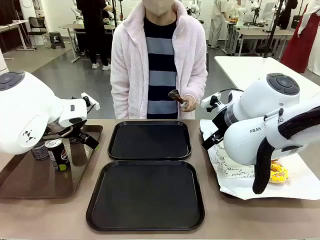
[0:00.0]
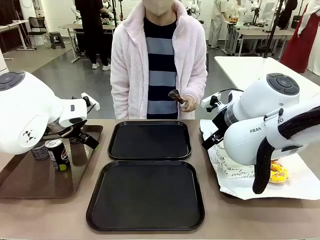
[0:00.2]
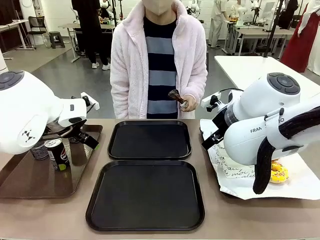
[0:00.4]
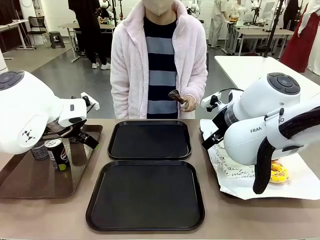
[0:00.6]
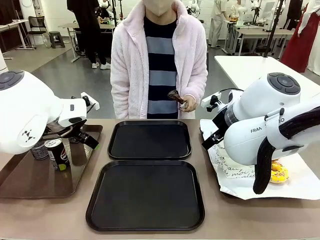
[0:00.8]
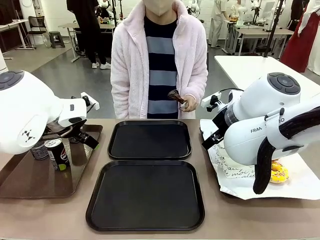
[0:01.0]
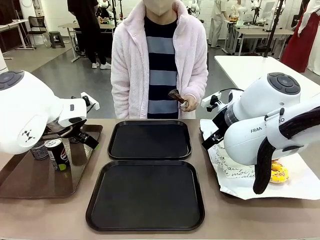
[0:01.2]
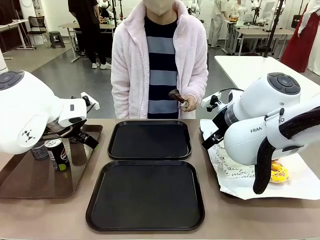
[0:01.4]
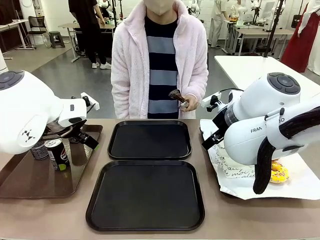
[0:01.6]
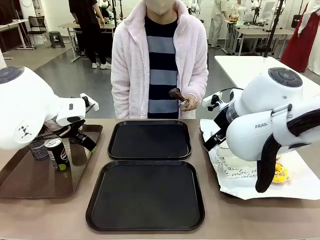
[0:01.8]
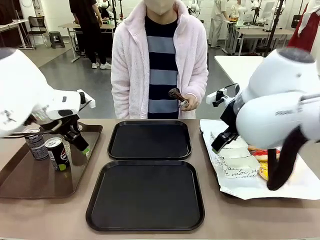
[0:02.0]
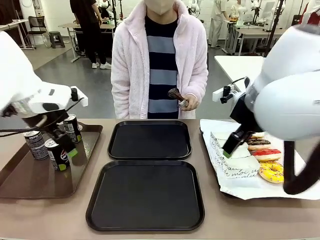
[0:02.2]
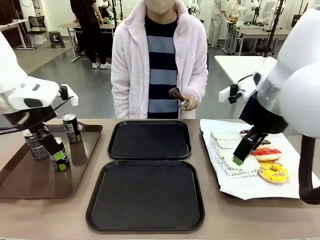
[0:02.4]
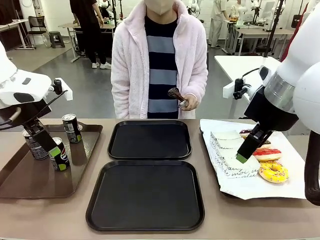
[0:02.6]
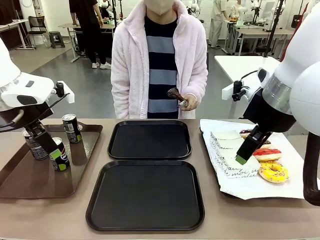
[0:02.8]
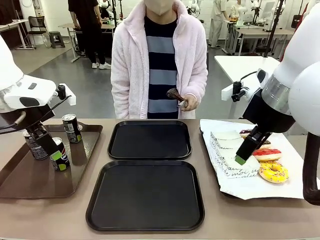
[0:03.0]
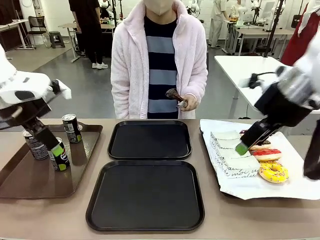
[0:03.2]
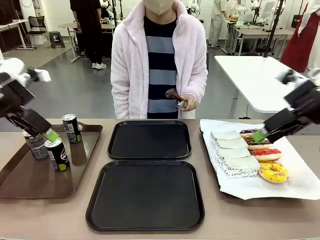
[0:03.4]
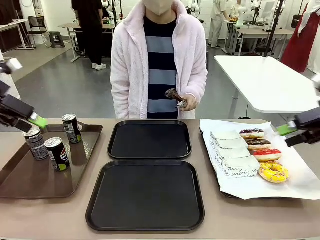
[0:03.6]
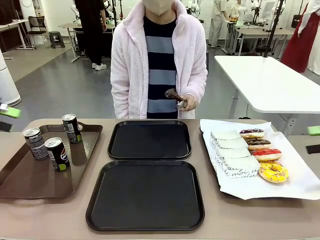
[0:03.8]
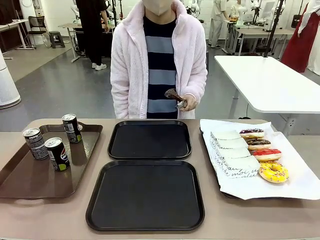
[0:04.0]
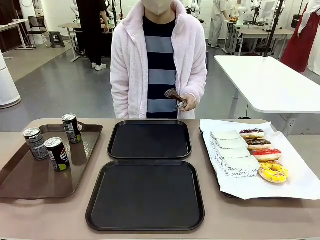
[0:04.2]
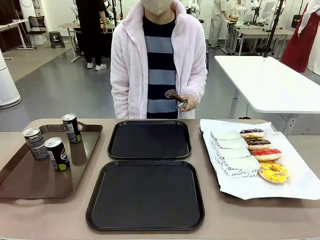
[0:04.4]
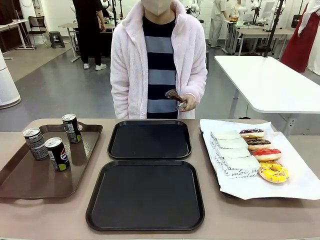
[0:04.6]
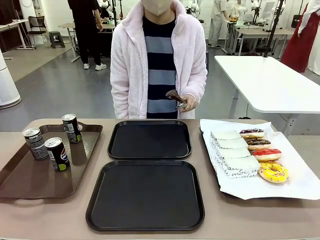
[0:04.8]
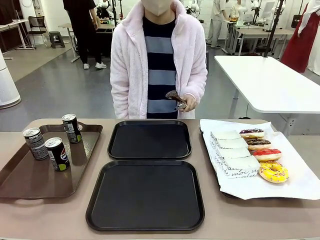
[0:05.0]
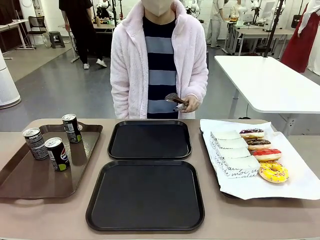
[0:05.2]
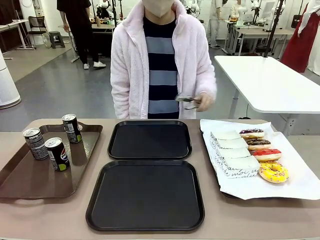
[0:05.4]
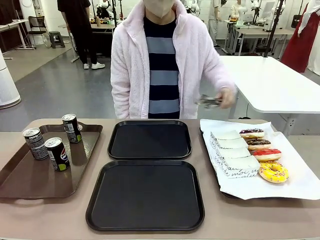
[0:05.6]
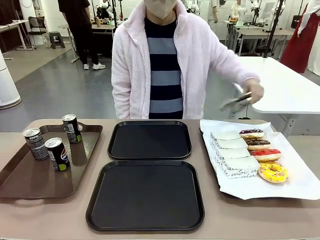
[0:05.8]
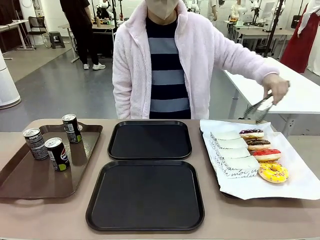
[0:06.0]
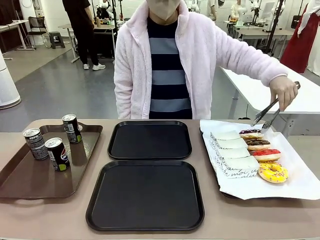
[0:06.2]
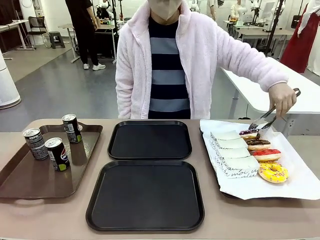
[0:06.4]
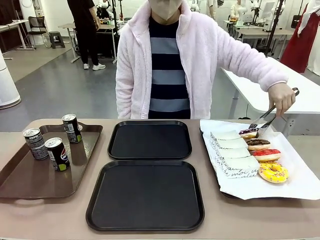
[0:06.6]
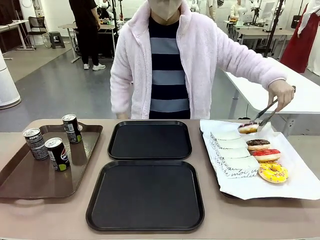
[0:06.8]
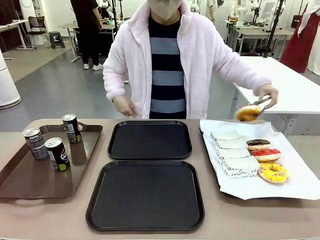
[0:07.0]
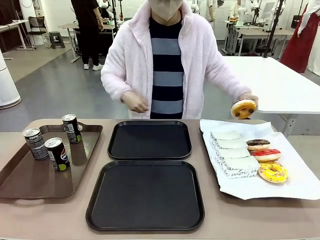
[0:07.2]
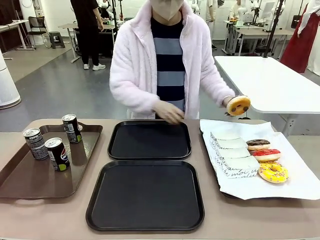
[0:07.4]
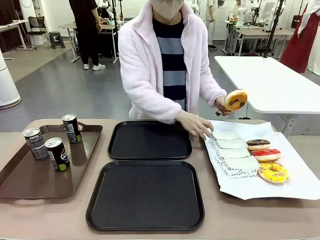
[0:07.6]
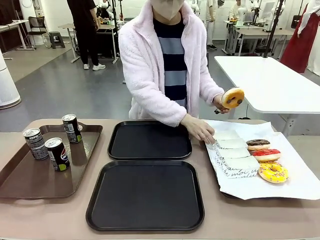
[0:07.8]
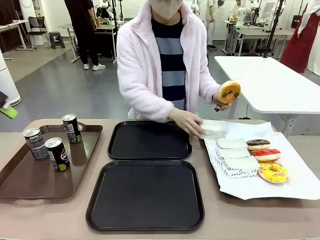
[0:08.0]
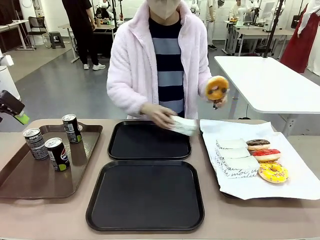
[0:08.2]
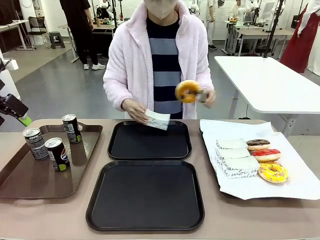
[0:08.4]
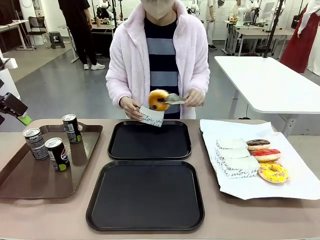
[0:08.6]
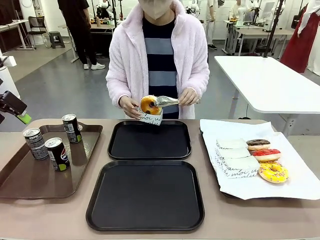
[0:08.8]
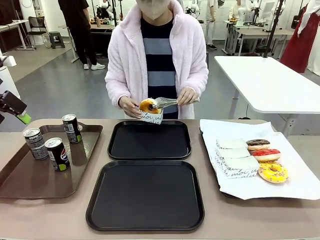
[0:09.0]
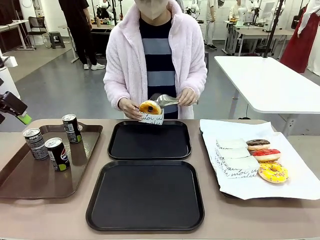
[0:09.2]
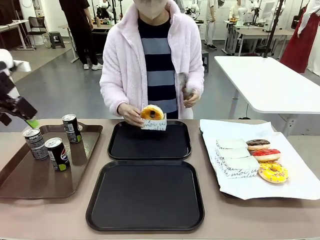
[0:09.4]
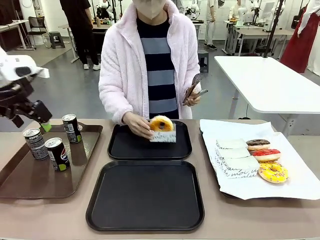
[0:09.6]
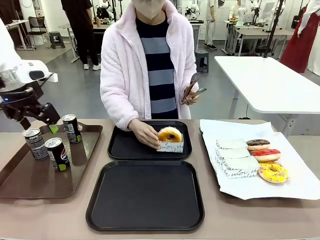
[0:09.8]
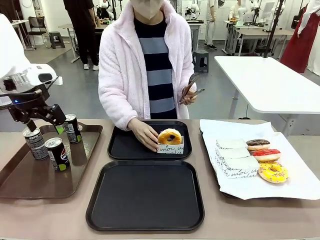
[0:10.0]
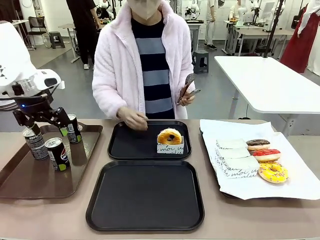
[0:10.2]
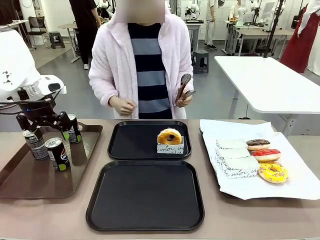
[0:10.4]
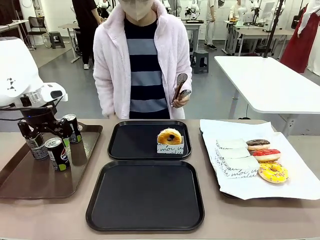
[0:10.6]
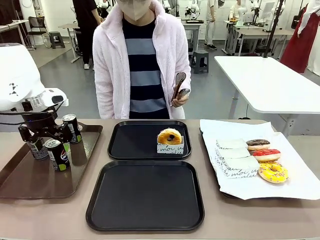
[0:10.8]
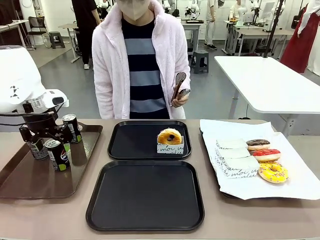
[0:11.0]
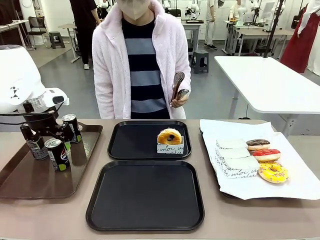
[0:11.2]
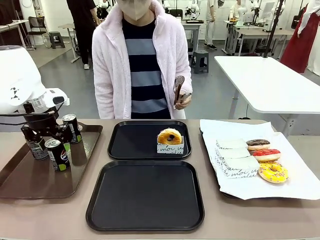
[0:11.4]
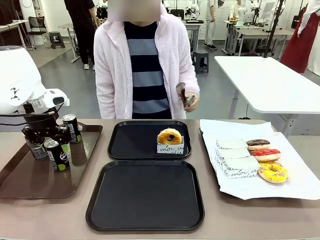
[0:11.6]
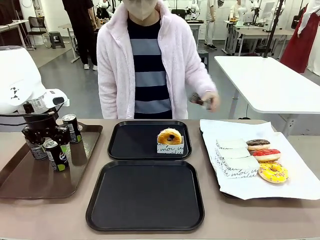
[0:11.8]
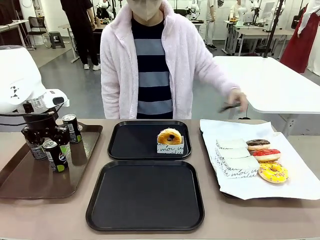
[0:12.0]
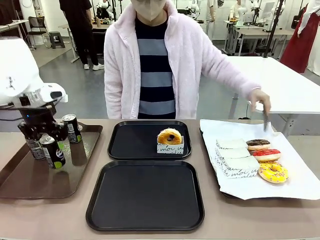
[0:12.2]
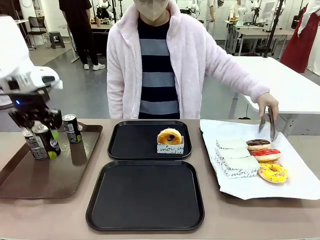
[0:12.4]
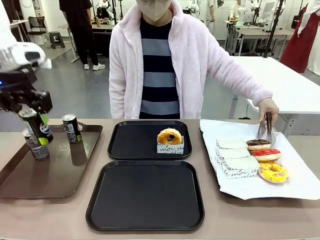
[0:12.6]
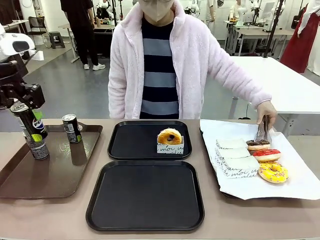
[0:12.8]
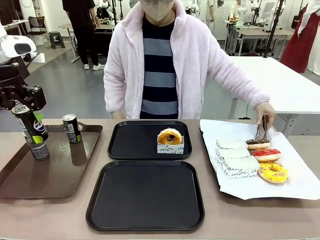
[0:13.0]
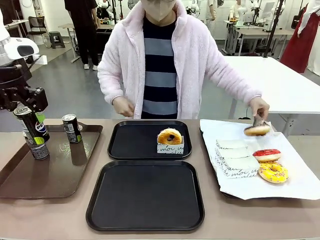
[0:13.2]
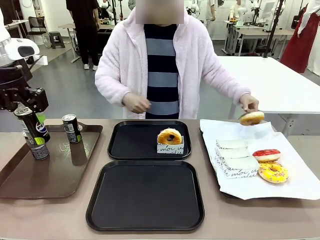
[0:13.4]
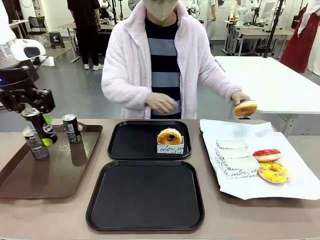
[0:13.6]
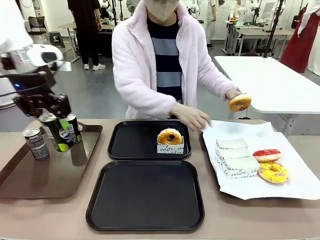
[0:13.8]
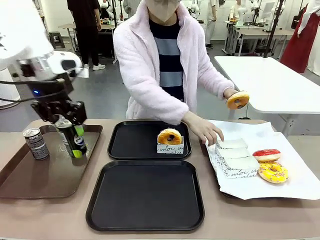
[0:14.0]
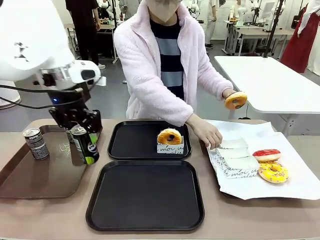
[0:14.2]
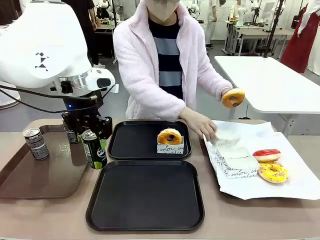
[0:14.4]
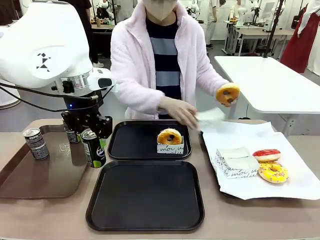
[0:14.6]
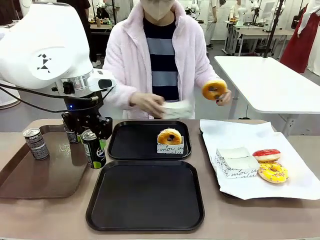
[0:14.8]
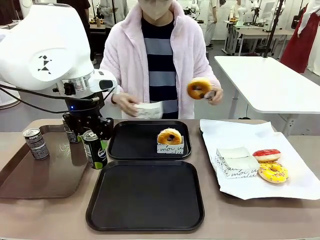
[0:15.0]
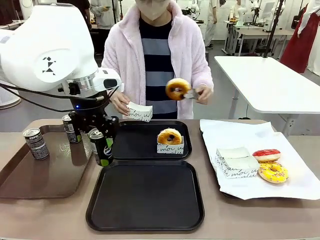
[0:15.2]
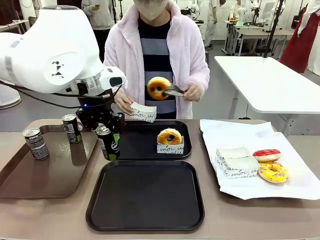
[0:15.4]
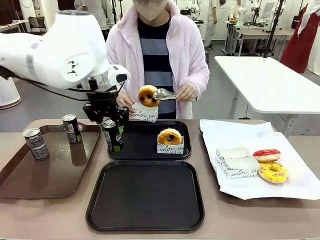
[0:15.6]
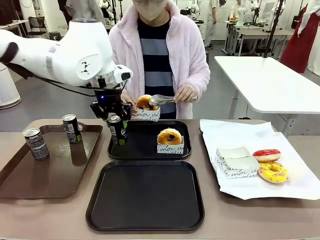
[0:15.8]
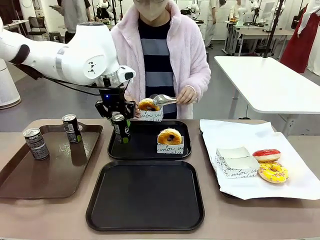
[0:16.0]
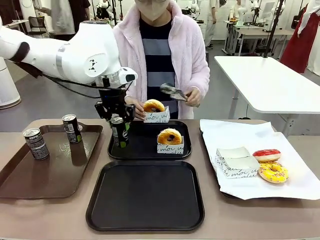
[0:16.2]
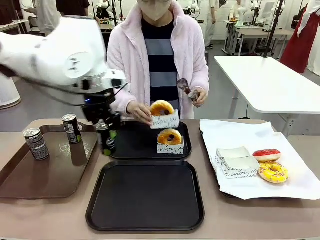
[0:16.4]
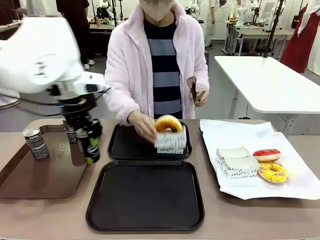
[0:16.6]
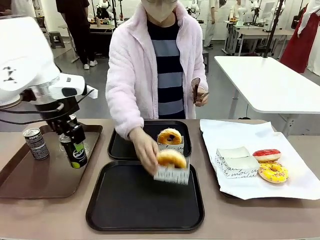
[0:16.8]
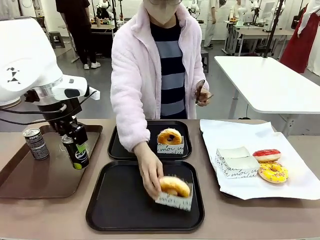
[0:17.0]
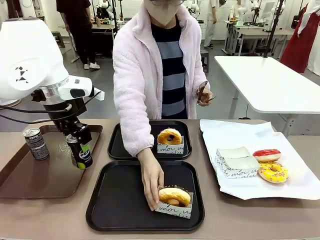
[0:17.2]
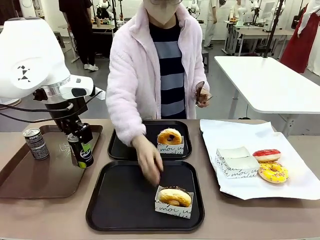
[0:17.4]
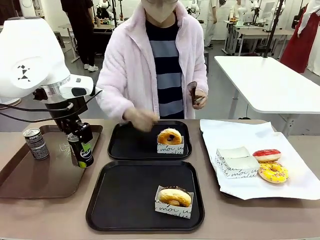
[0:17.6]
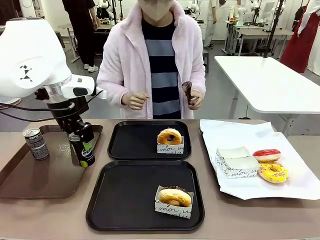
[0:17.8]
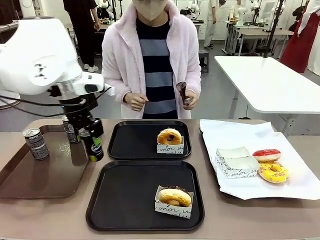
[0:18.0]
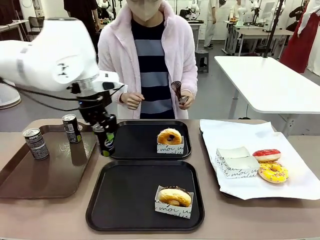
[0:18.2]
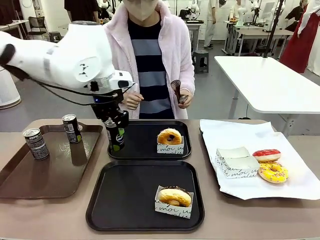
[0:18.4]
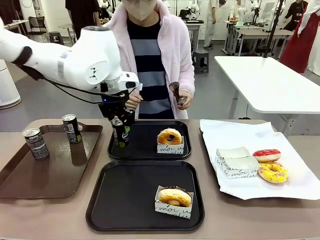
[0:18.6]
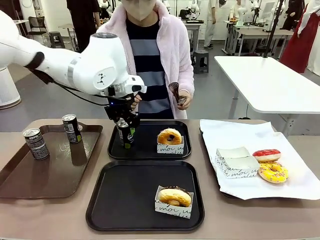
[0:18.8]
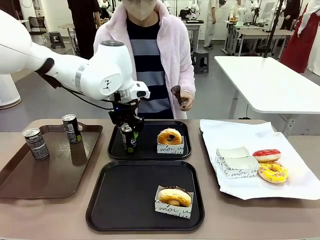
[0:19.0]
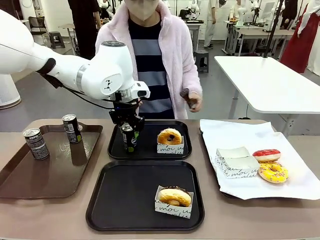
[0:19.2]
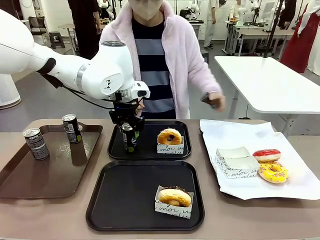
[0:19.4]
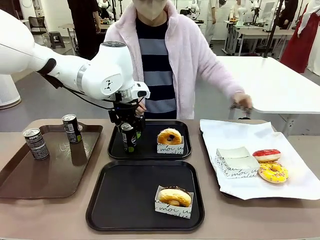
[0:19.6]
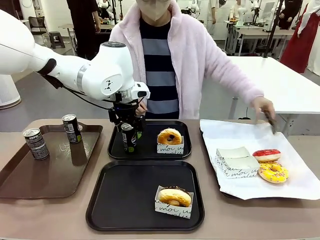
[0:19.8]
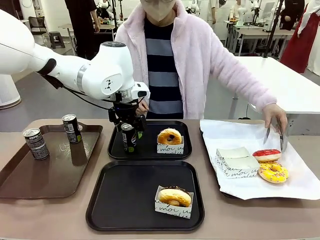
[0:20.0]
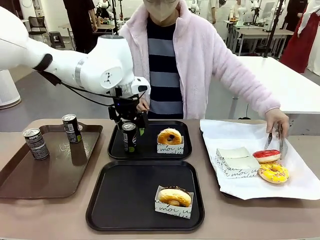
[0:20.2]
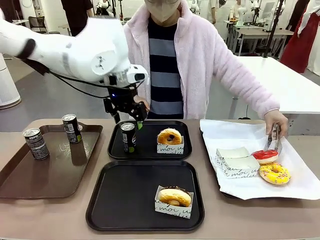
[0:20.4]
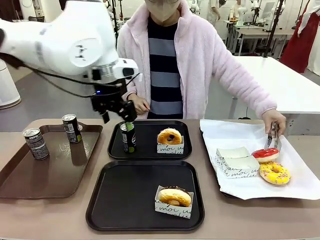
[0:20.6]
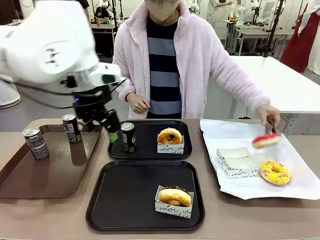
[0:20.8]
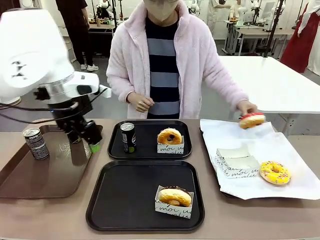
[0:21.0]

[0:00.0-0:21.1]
Task: Set up donuts and drinks on trays.
Robot: Pick up one Pepsi coke and place it on the Flat Tray.
Person: Pick up one donut with tongs, place it in the donut tray, and then place the donut tray on the flat tray.
